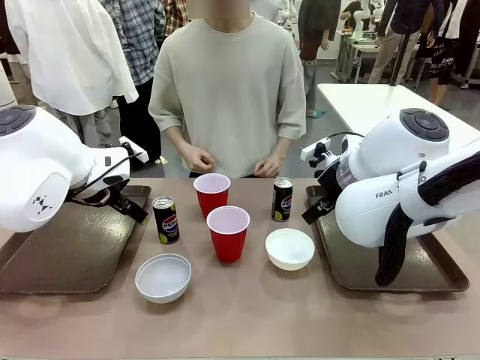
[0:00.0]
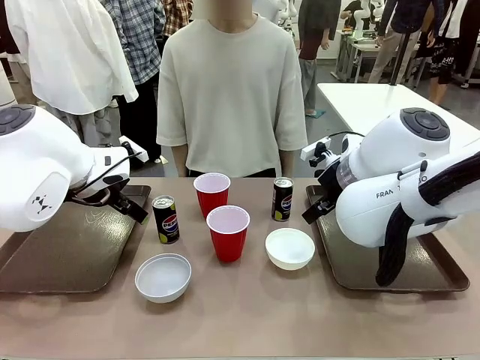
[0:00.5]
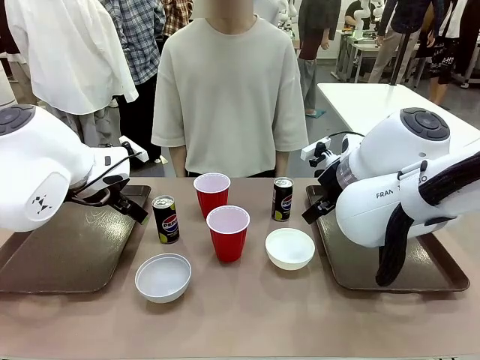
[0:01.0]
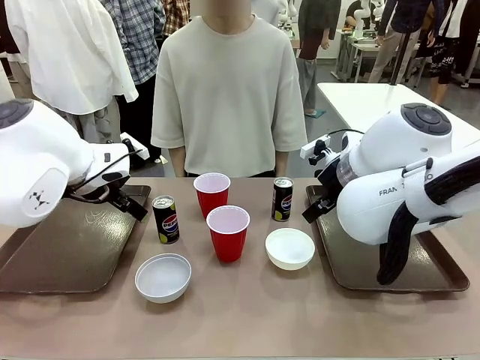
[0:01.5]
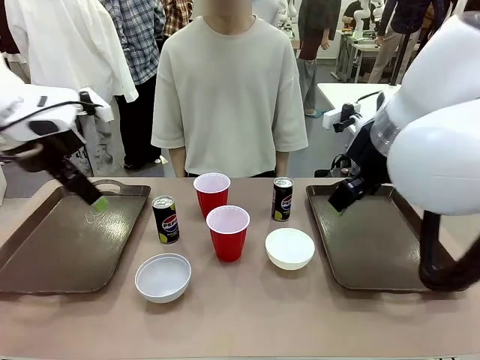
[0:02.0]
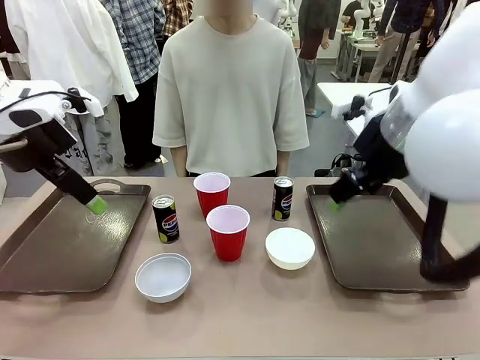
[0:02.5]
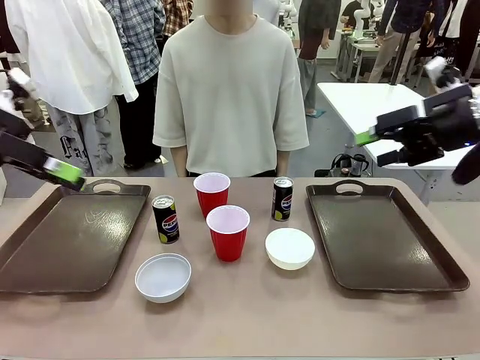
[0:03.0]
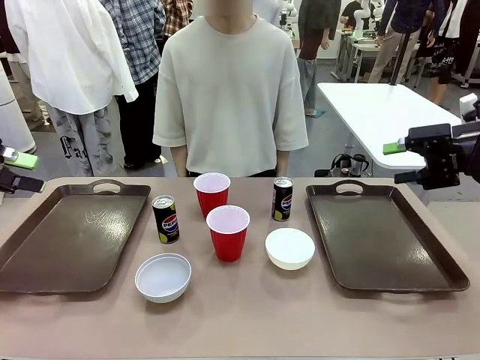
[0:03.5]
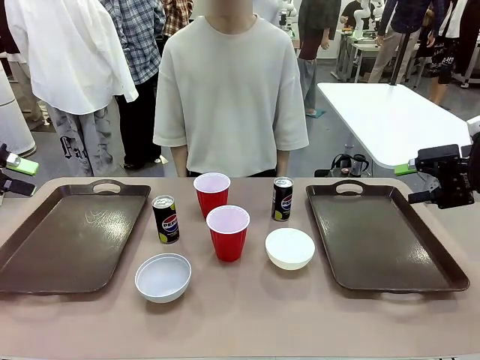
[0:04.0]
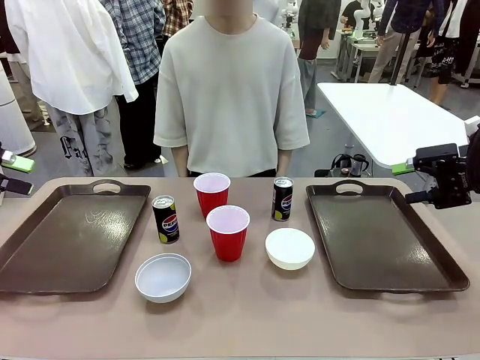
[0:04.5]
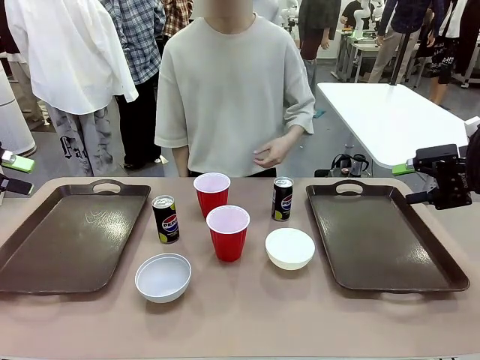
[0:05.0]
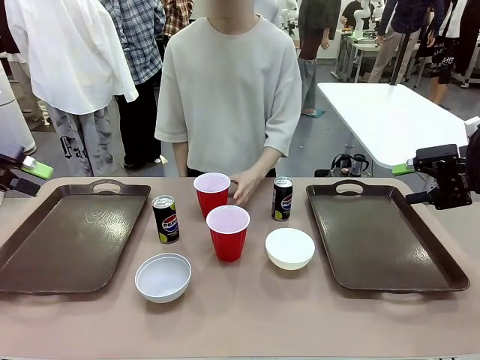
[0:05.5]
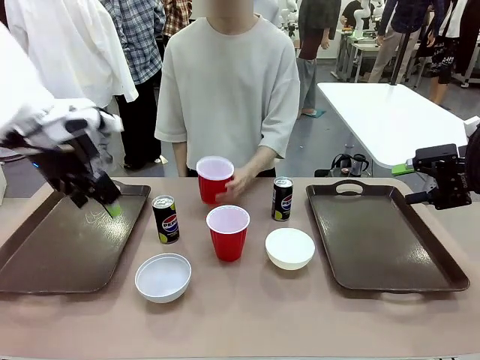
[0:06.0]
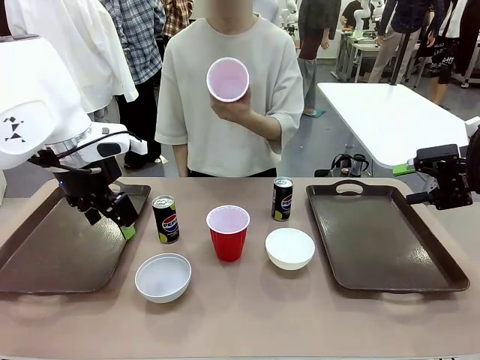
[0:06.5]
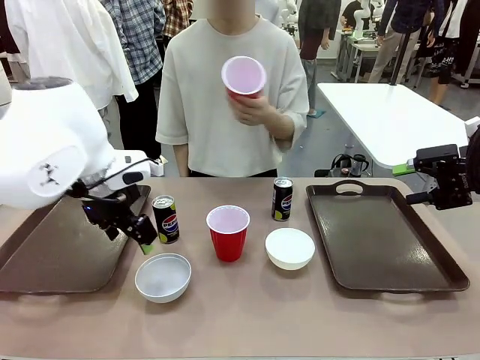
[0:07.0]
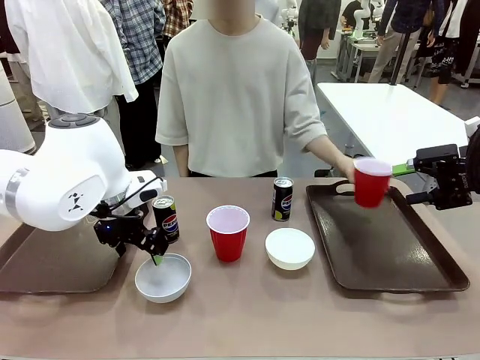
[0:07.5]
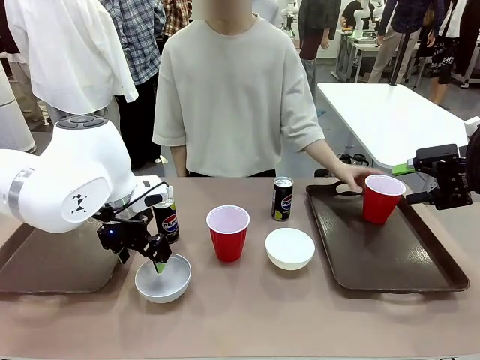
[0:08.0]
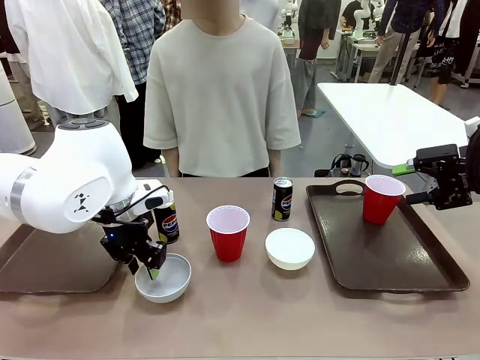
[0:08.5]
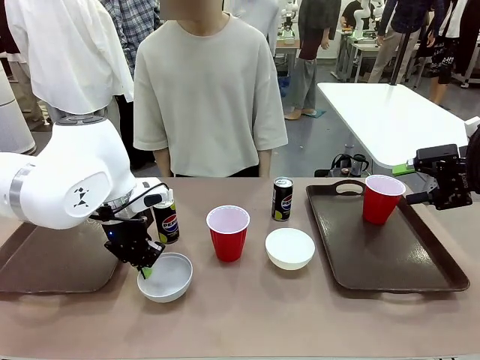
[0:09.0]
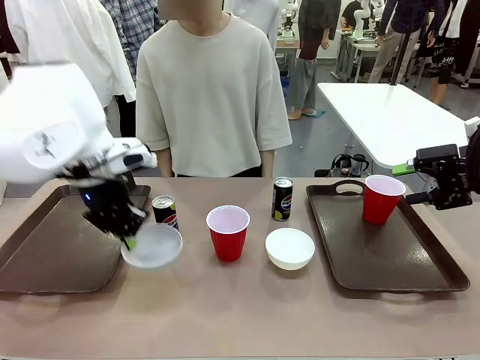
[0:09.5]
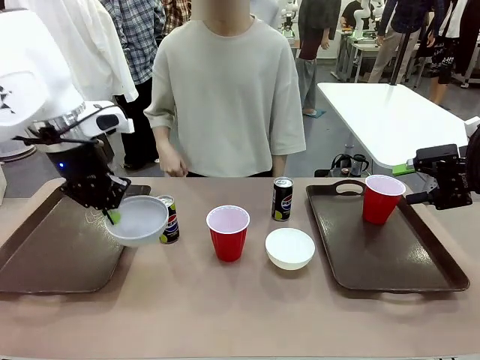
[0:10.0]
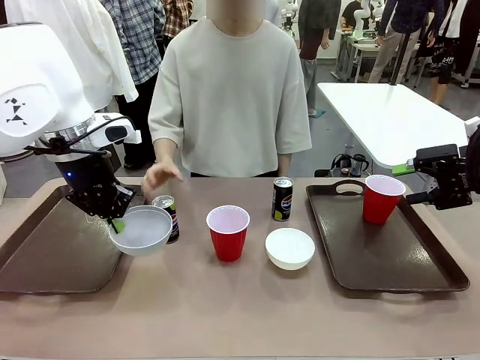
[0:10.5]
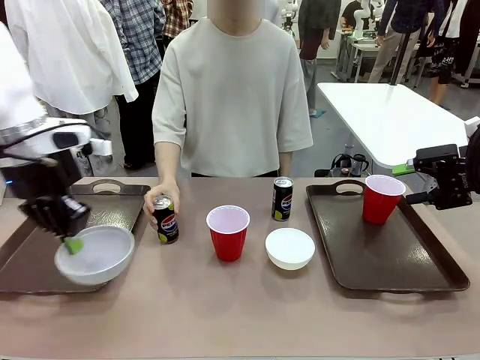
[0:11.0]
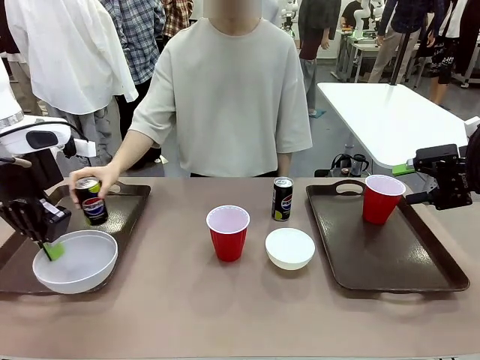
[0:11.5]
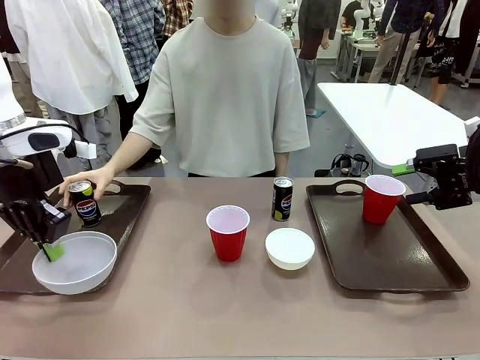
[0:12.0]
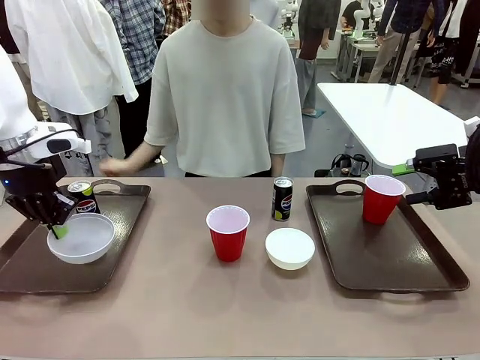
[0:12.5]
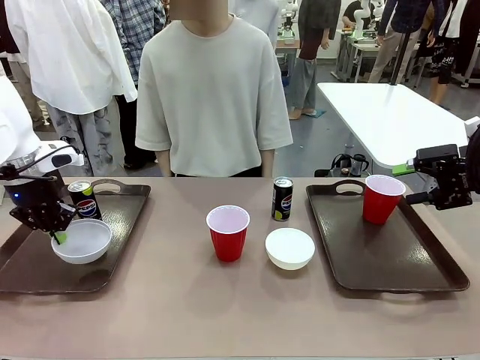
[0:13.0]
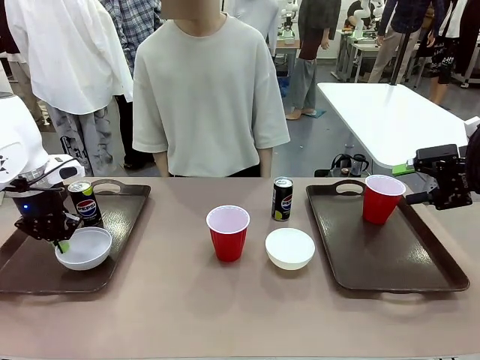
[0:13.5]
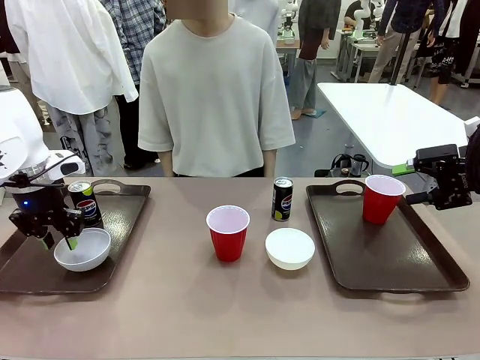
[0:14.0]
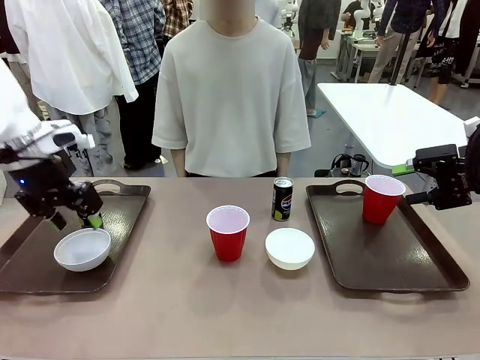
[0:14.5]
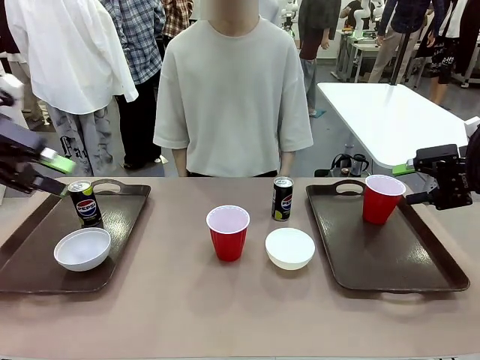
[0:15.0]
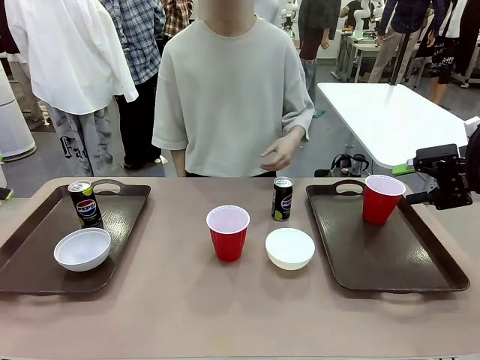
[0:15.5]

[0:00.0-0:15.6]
Task: Prepare tableware on both trays.
Robot: Pick up a Picnic Bowl from the table and place it on a Handle tray.
Person: Pick up a can or cup and place it on the tray.

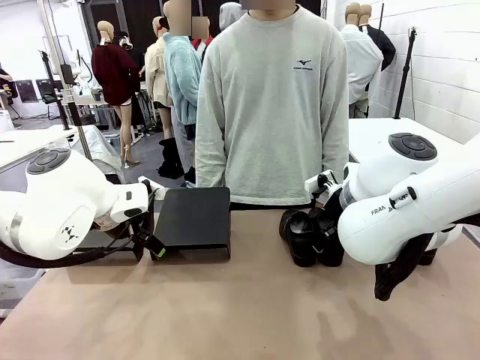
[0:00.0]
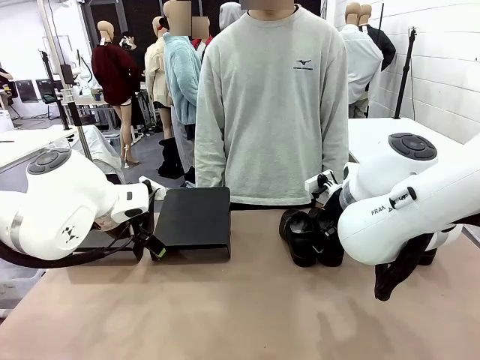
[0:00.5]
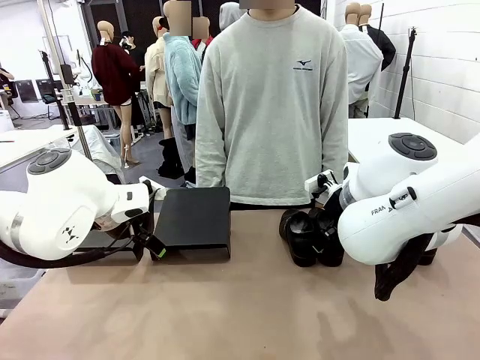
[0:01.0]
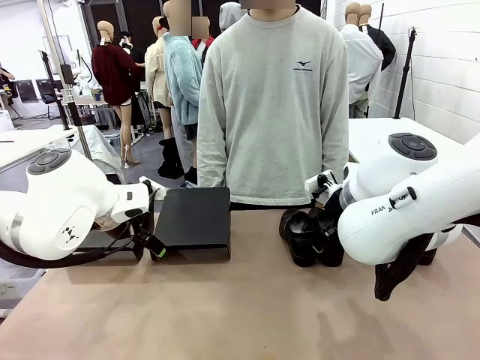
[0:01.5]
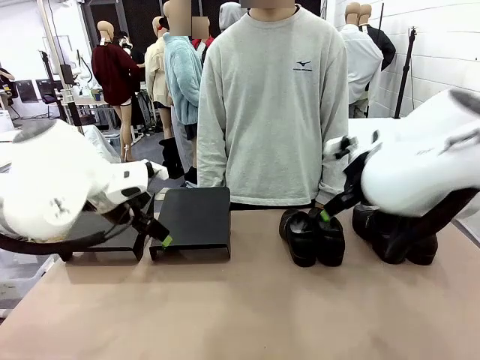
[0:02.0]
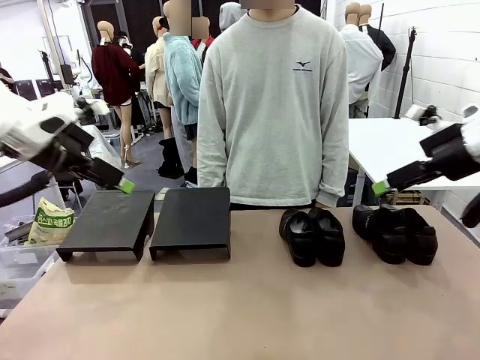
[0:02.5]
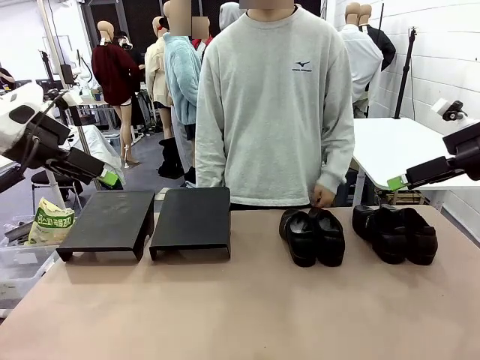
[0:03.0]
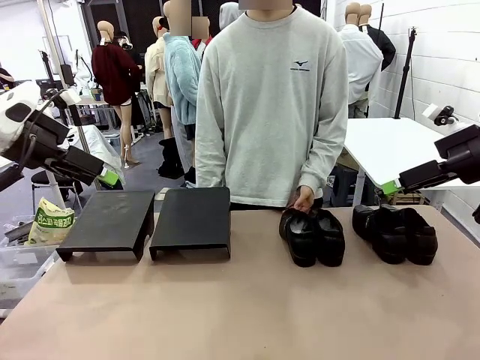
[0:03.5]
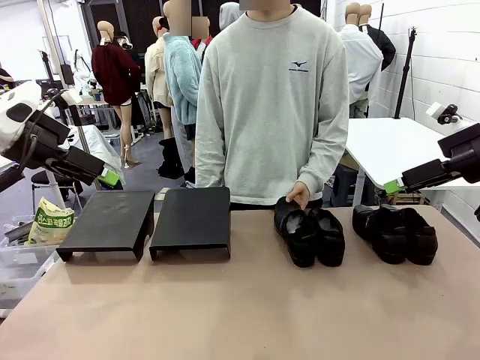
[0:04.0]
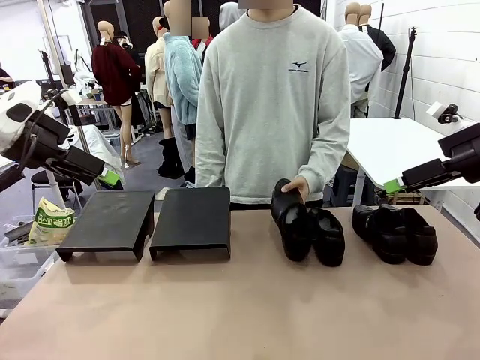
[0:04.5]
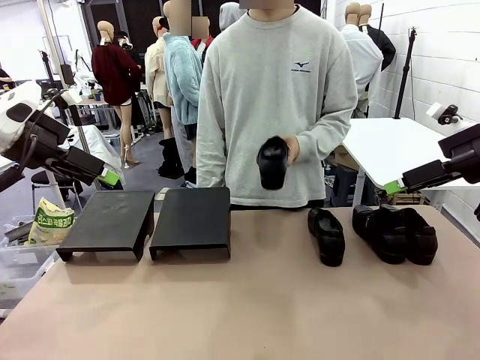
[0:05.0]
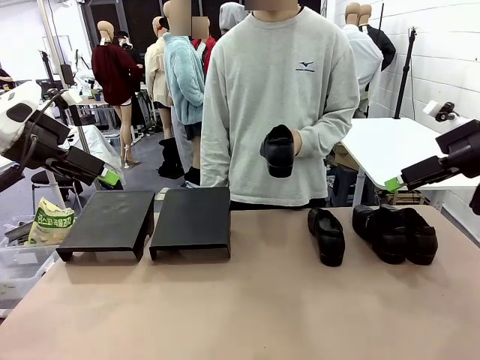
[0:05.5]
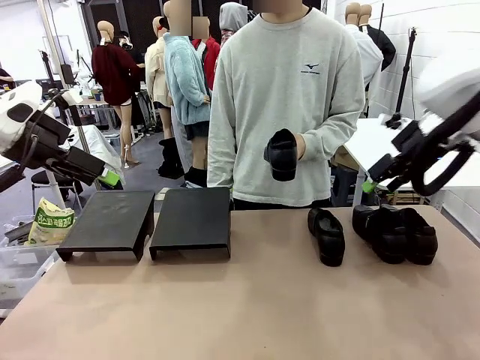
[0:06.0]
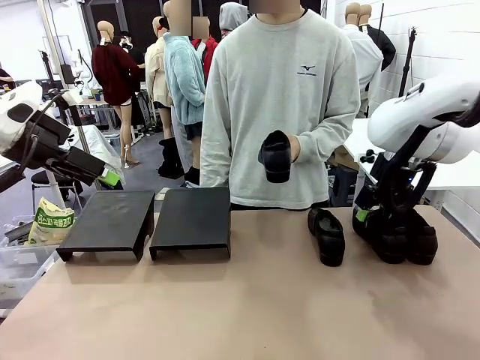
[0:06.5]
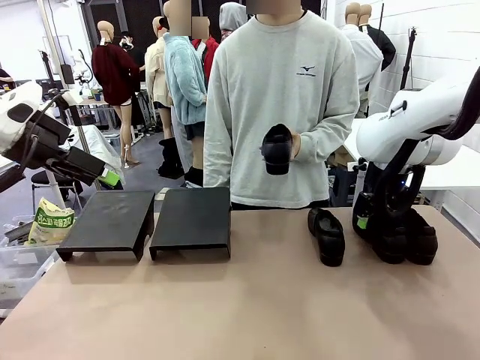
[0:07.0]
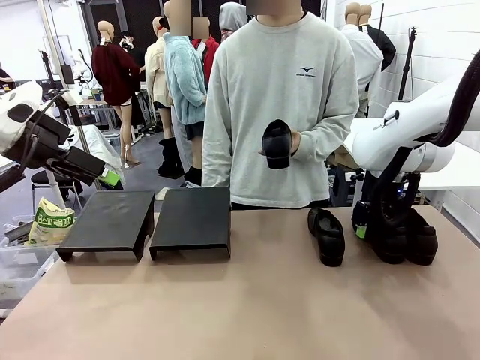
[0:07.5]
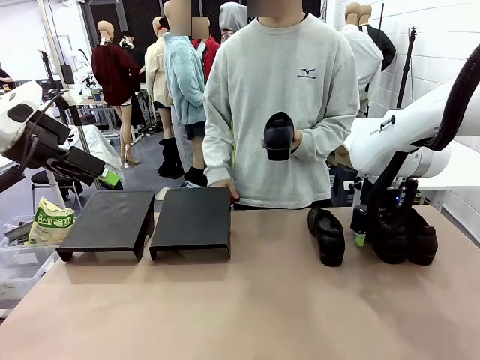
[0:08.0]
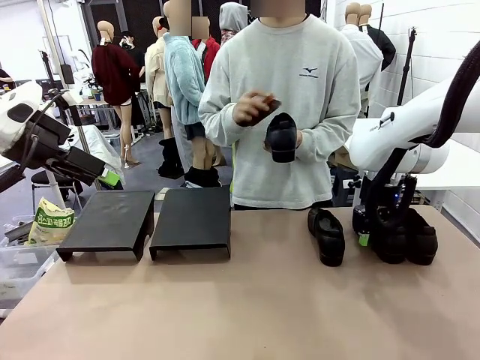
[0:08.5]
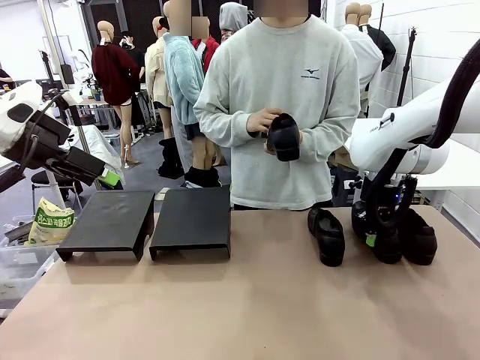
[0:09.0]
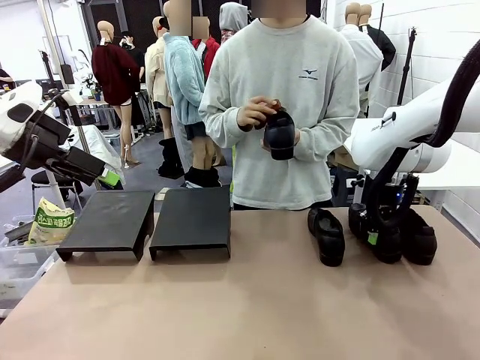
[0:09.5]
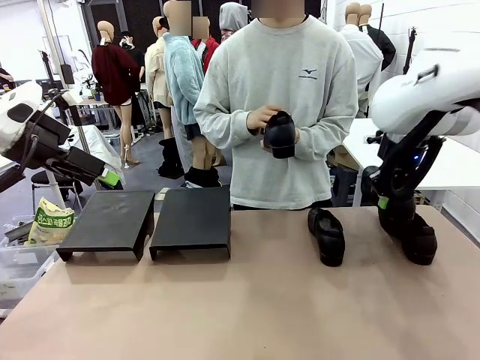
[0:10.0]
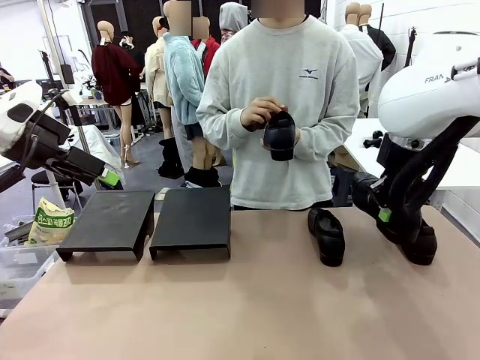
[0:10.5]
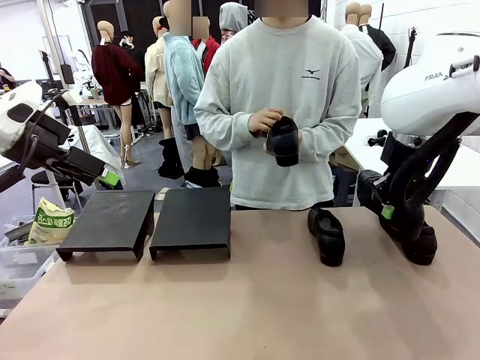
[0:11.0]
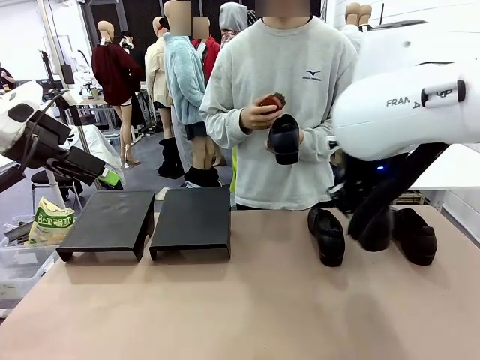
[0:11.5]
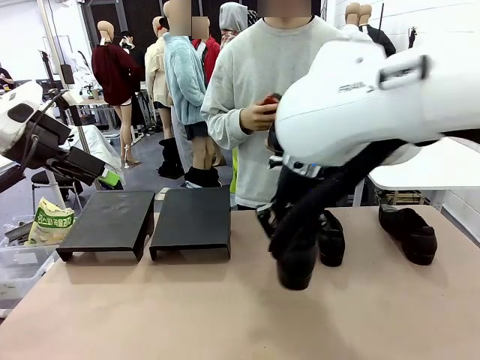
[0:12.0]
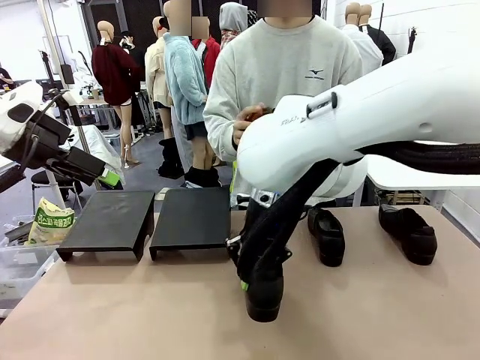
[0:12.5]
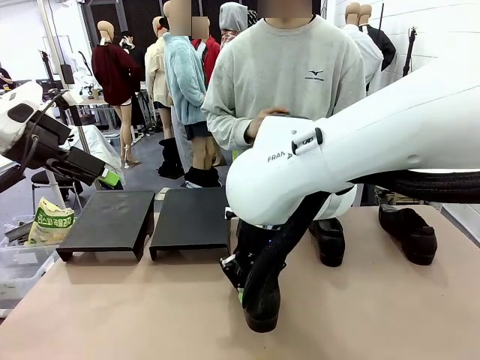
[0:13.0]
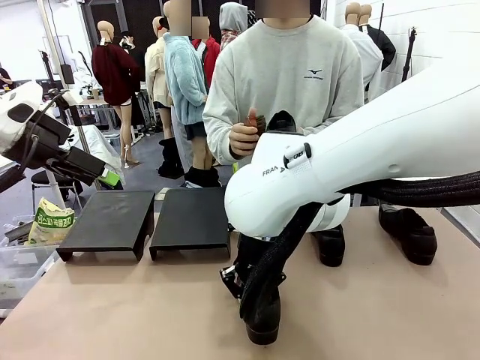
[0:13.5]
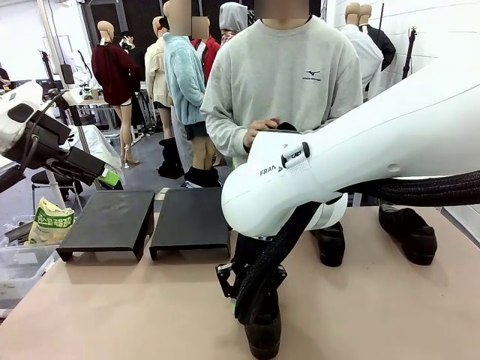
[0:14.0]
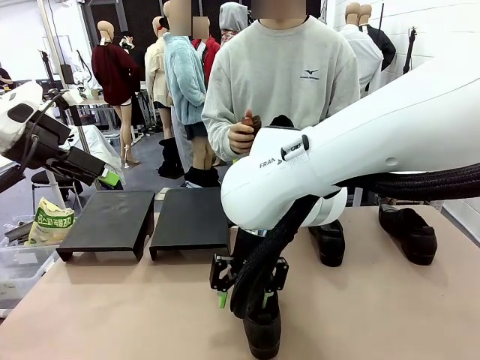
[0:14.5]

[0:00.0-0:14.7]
Task: Organize the shoes by placing them on the stand.
Robot: Pick up one Shoe and place it in the middle of the table.
Person: Pick one Shoe on Robot's table.
